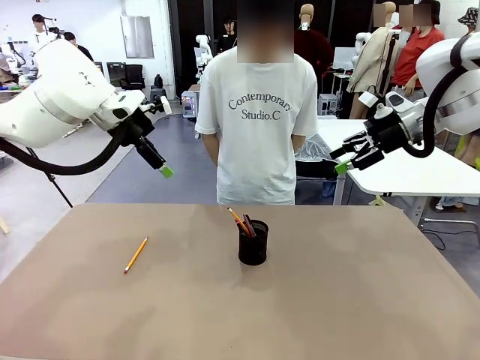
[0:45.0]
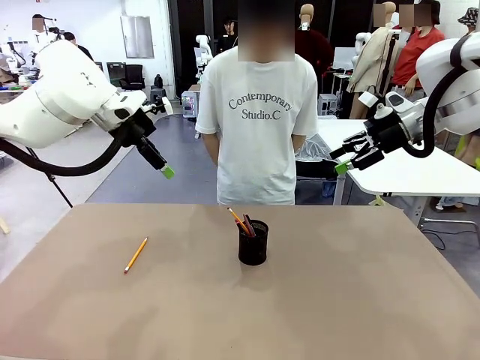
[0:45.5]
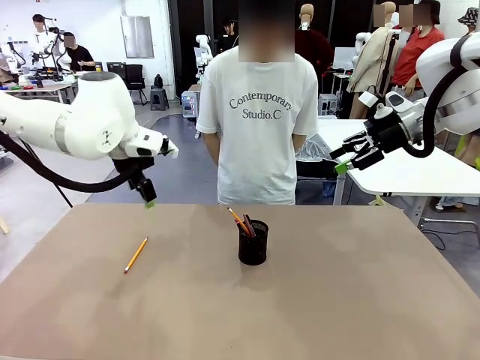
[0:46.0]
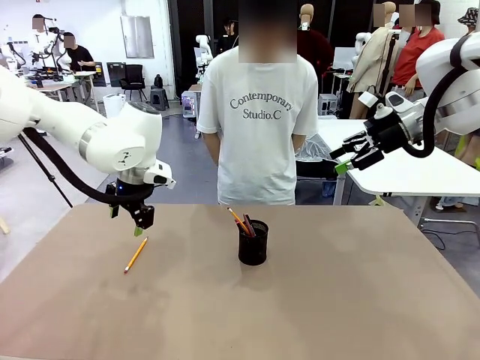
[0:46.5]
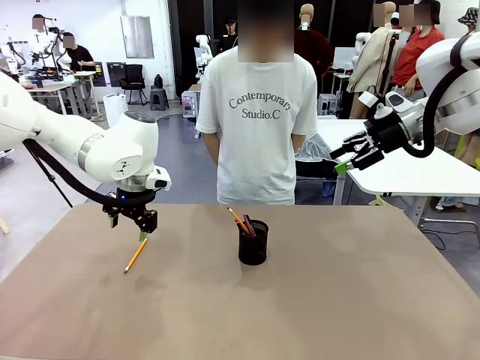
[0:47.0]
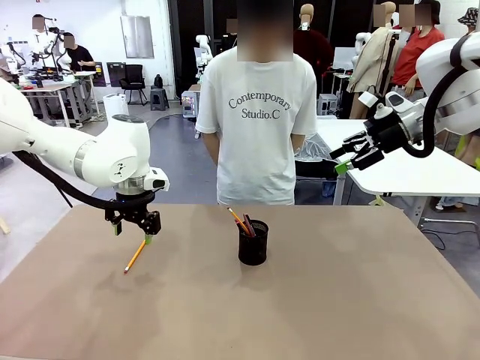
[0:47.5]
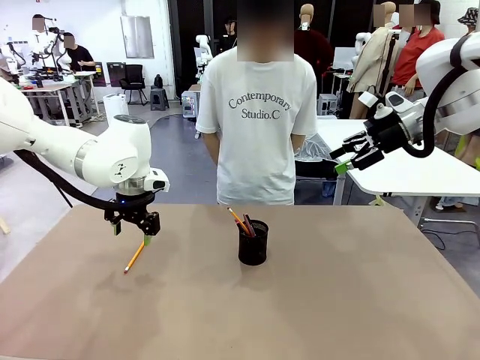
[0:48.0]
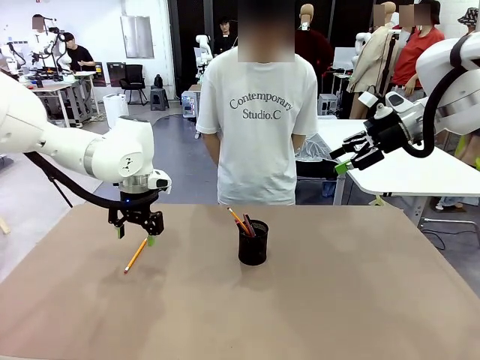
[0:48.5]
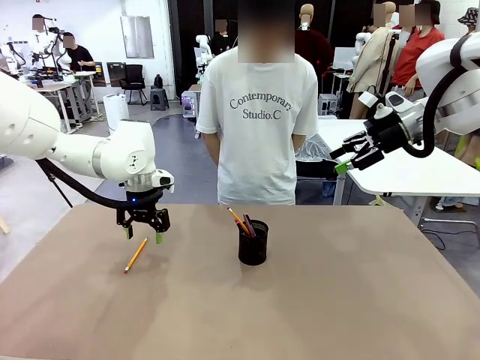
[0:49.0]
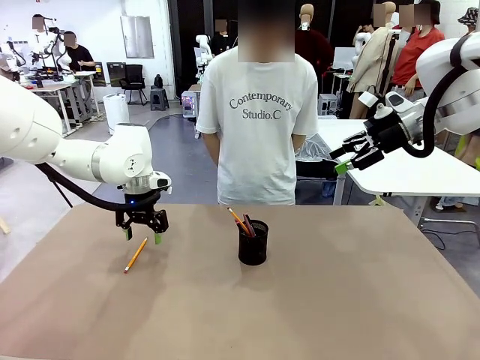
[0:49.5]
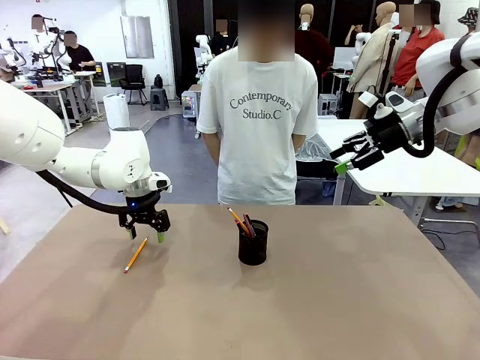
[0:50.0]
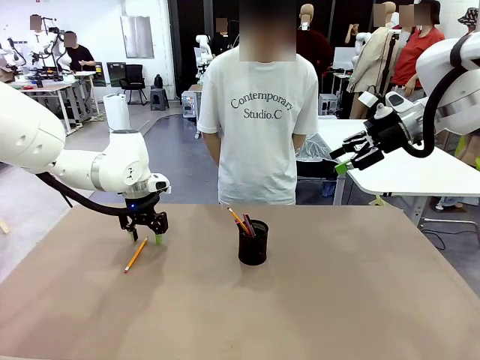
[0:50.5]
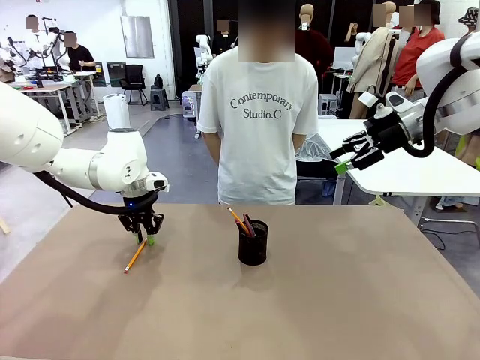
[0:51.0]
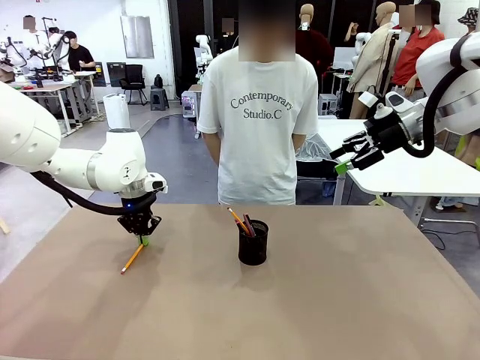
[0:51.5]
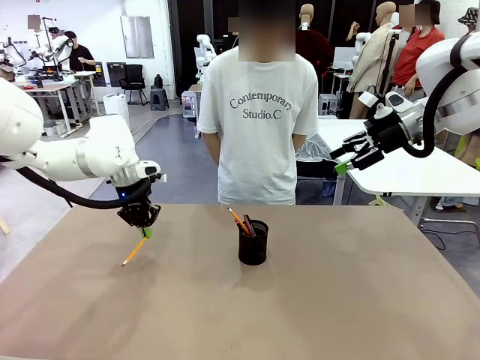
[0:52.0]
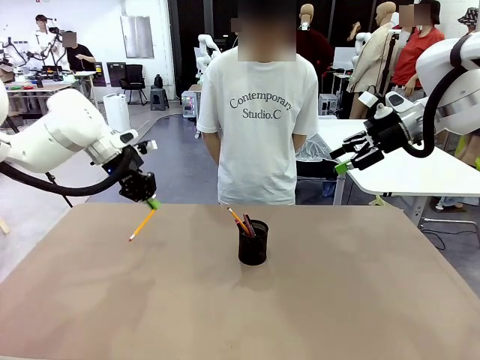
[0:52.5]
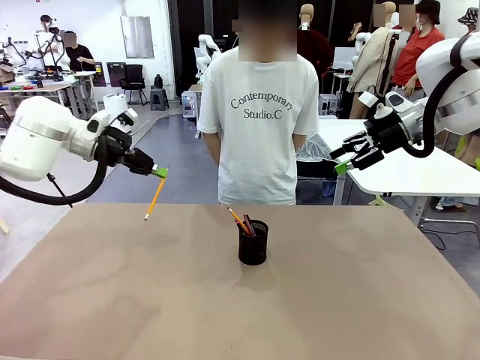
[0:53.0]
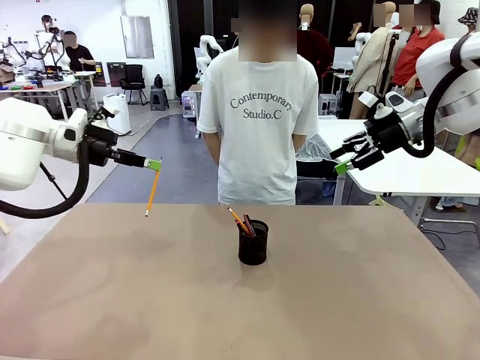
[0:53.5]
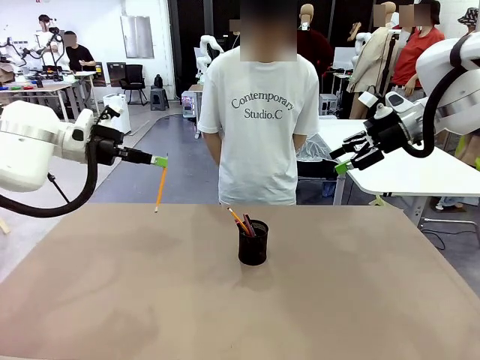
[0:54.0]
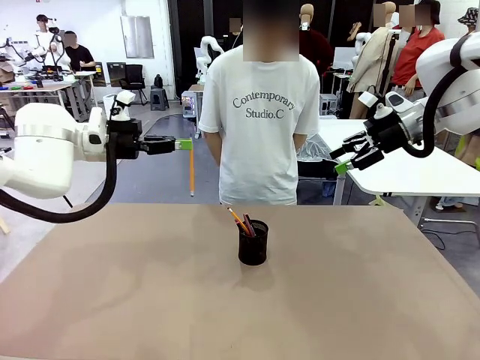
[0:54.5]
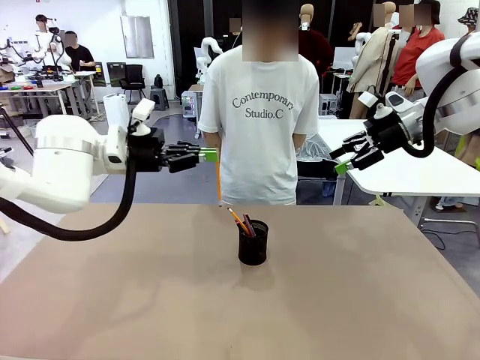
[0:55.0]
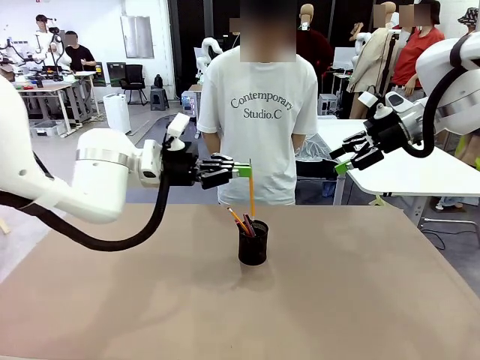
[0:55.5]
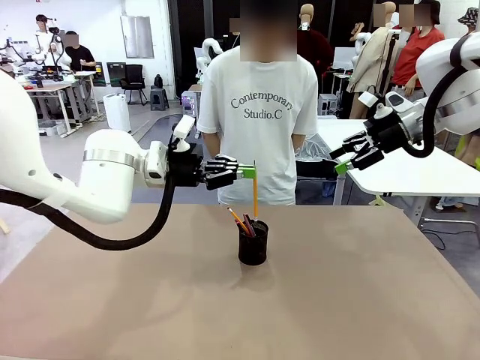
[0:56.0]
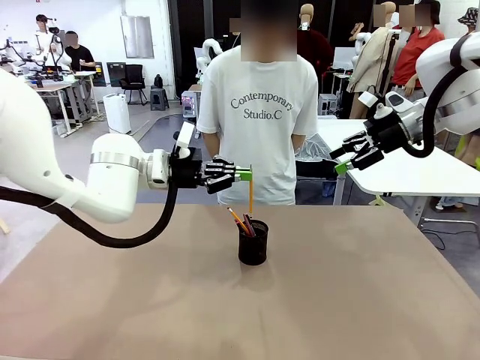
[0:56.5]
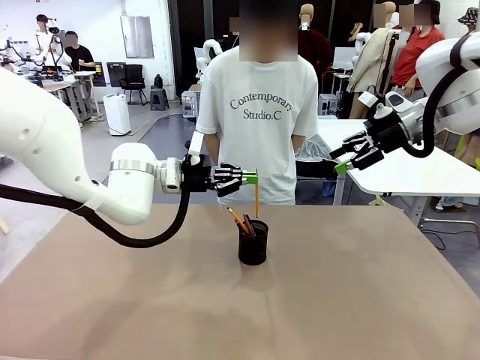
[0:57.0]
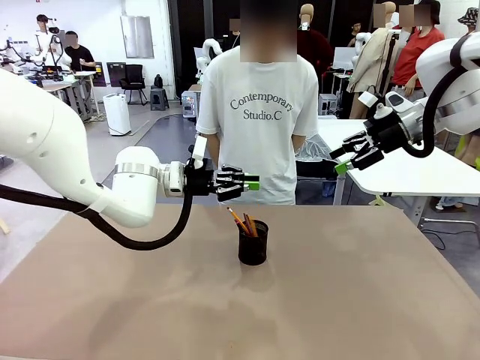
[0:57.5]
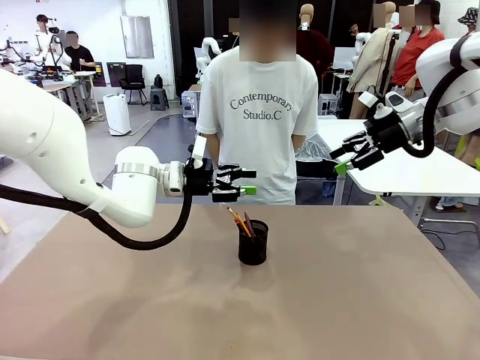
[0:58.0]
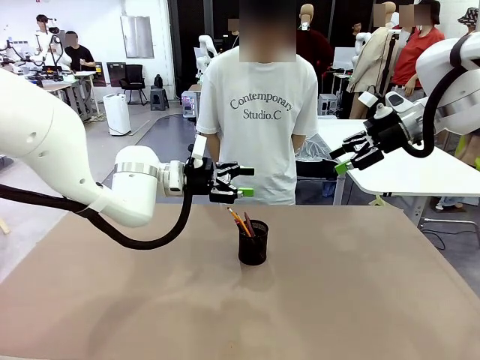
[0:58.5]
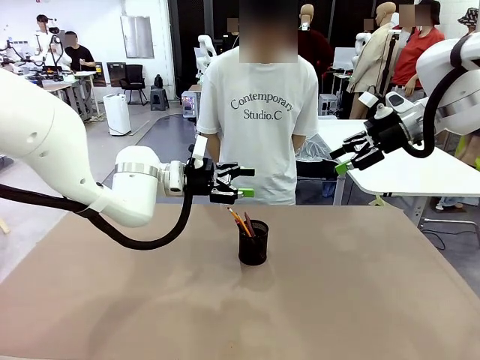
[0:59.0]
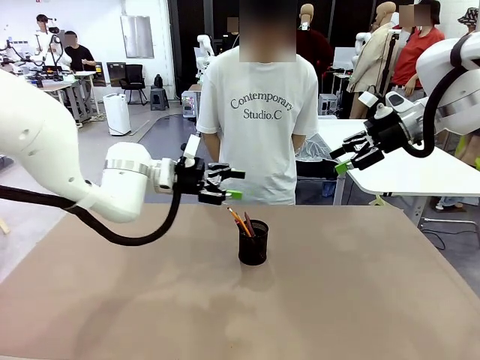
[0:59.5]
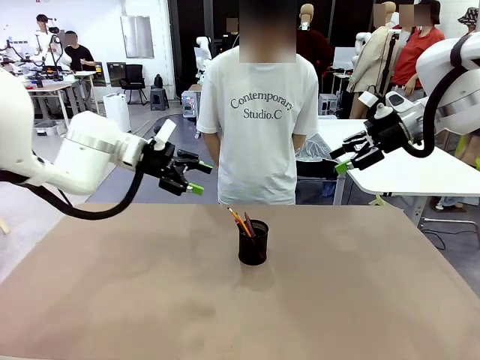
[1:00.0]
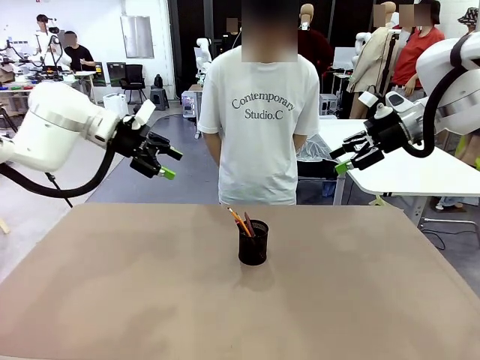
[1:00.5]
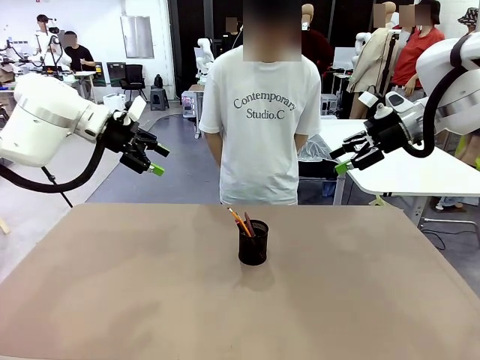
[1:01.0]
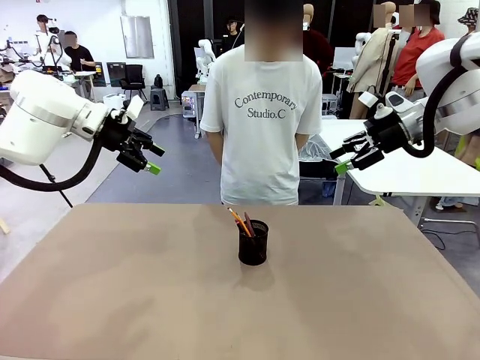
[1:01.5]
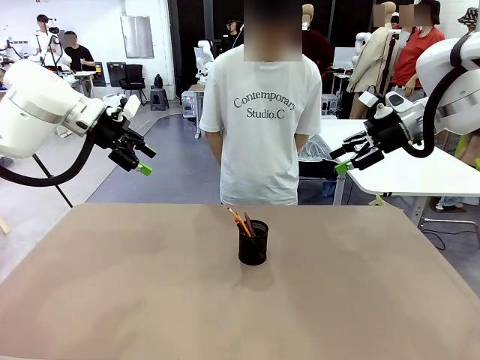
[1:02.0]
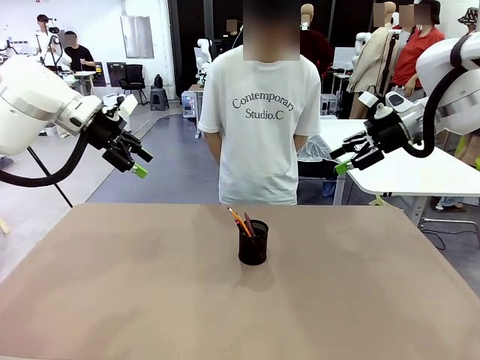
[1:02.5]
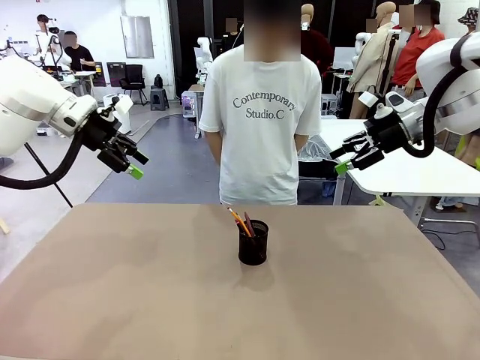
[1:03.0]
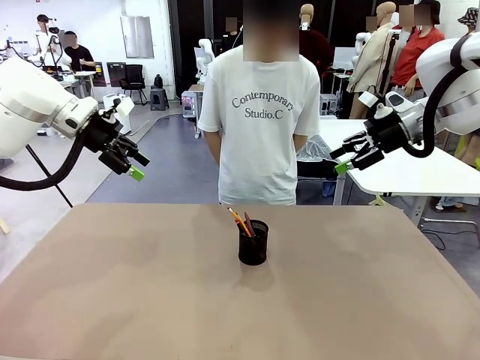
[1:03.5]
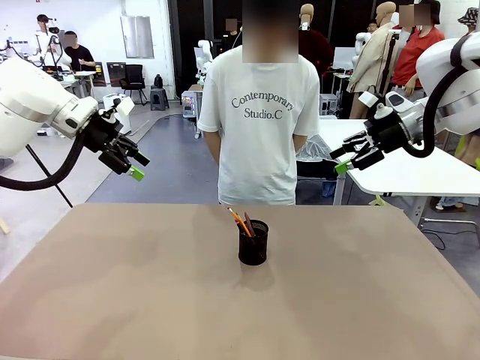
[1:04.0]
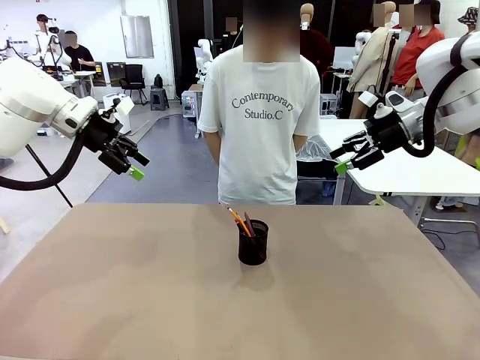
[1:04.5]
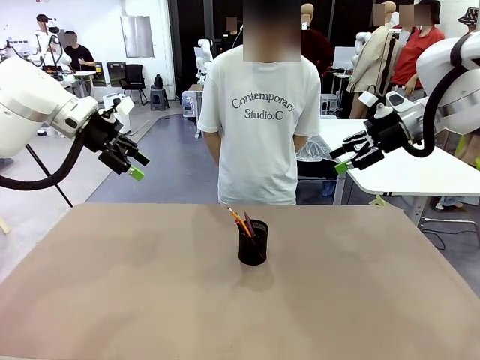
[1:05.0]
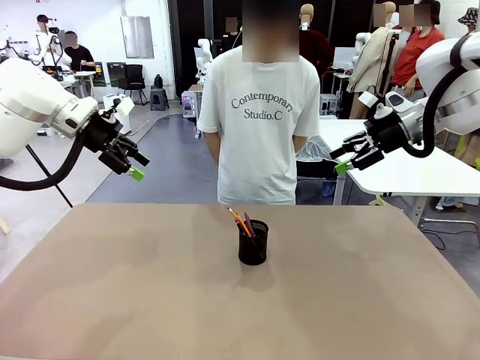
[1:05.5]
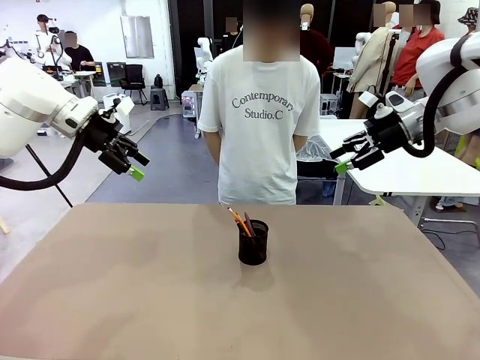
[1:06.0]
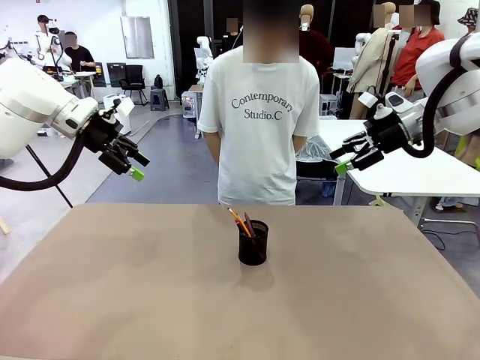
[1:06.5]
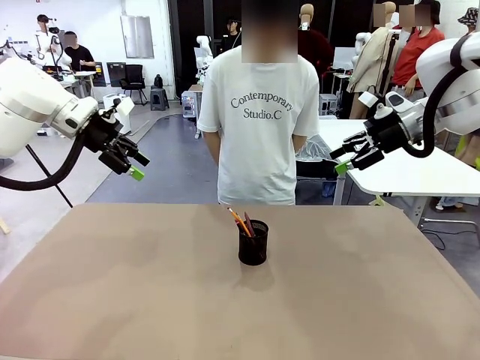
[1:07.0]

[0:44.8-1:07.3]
Task: Place the pens into the pen holder.
Robot: Pick up a writing instrument from the table and place it into the Pen holder.
